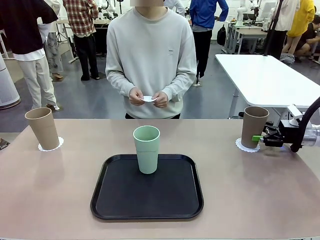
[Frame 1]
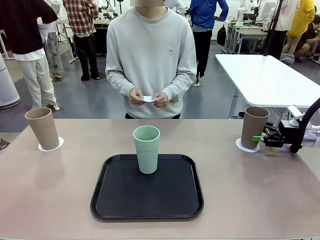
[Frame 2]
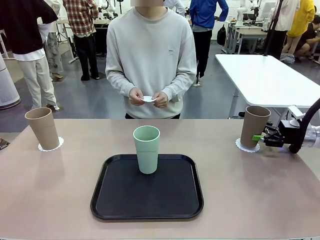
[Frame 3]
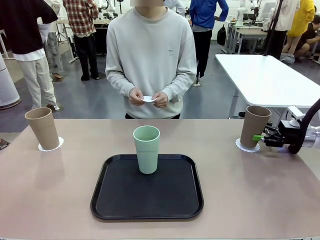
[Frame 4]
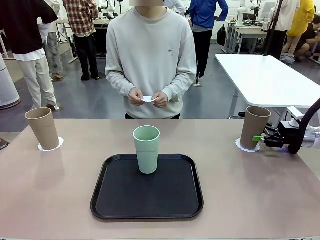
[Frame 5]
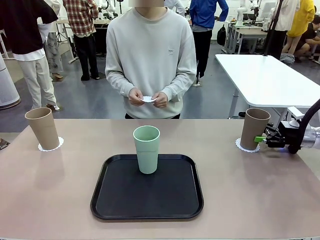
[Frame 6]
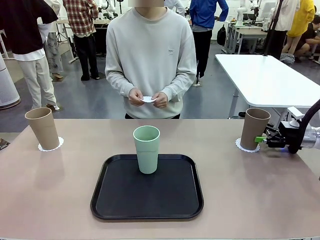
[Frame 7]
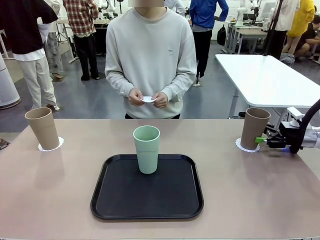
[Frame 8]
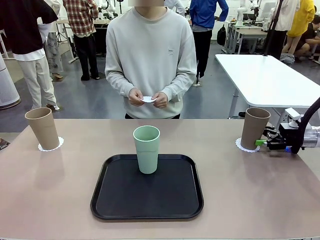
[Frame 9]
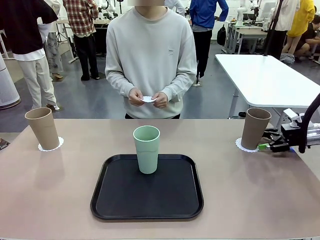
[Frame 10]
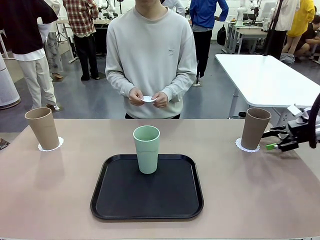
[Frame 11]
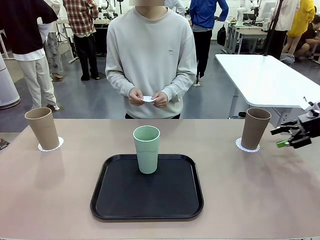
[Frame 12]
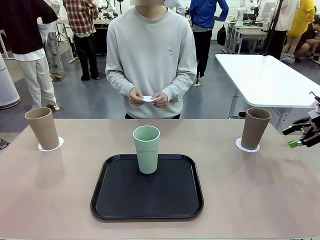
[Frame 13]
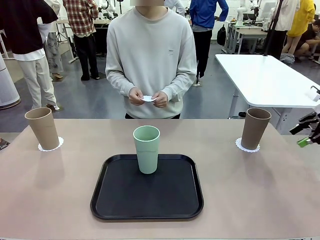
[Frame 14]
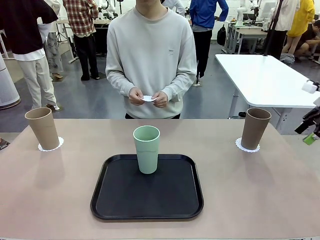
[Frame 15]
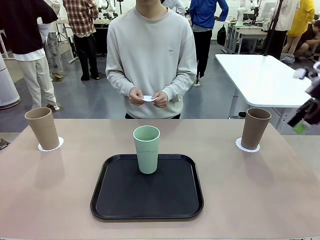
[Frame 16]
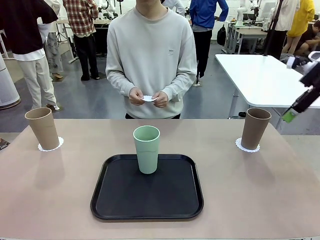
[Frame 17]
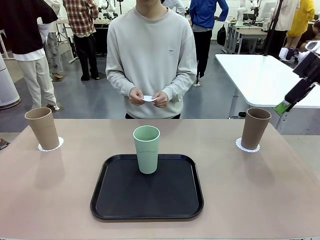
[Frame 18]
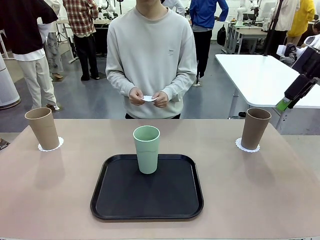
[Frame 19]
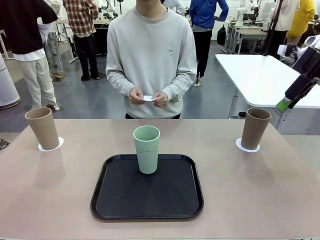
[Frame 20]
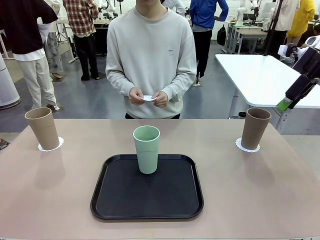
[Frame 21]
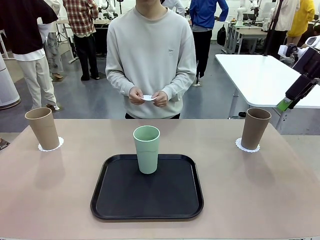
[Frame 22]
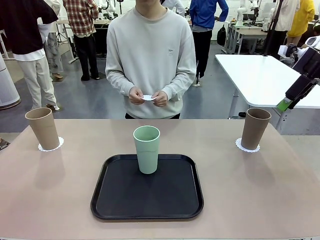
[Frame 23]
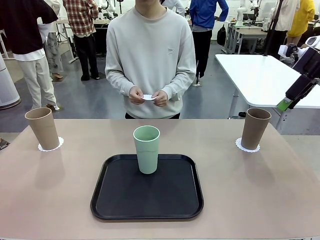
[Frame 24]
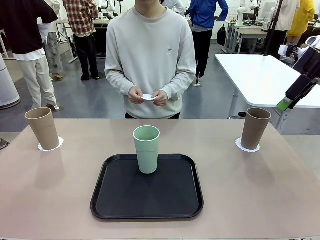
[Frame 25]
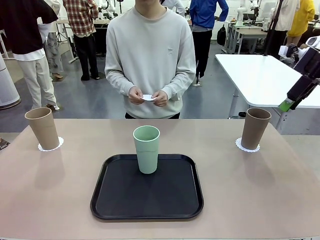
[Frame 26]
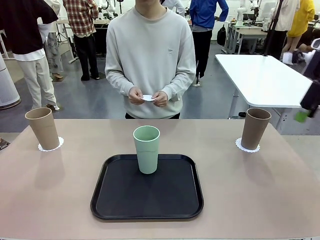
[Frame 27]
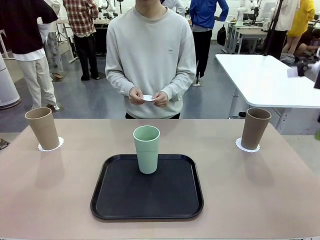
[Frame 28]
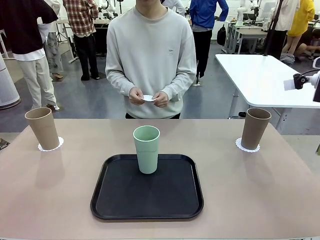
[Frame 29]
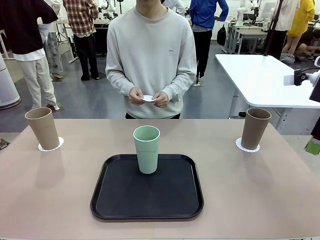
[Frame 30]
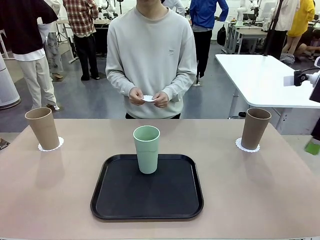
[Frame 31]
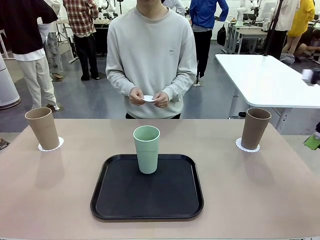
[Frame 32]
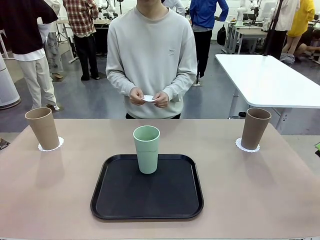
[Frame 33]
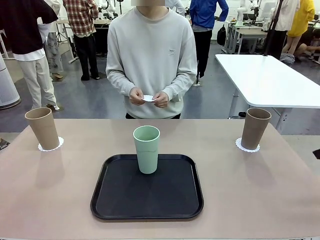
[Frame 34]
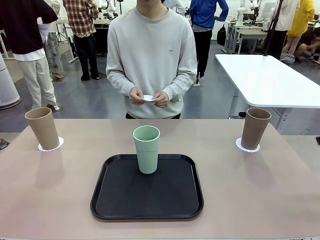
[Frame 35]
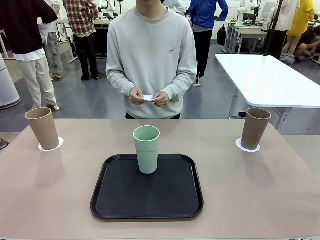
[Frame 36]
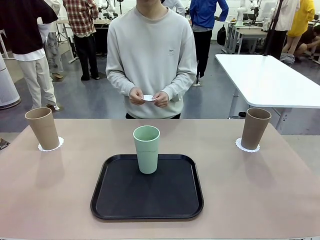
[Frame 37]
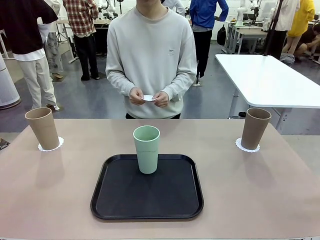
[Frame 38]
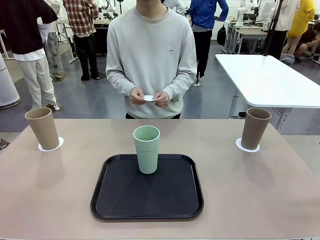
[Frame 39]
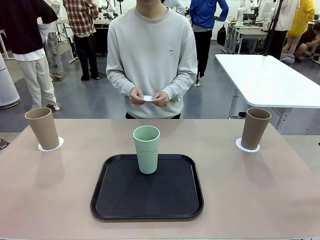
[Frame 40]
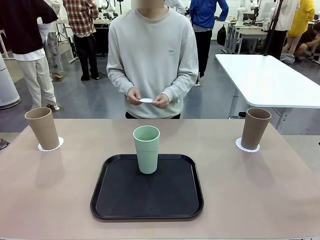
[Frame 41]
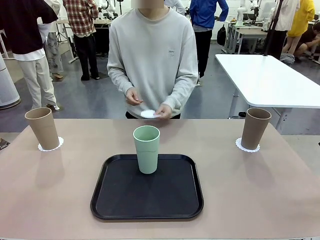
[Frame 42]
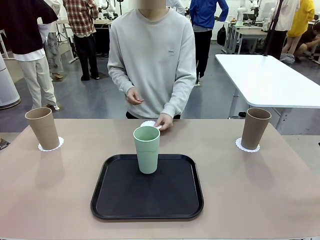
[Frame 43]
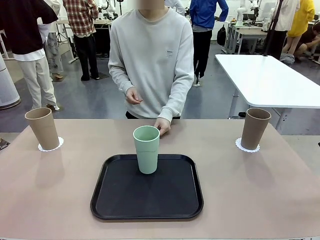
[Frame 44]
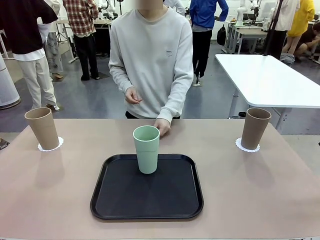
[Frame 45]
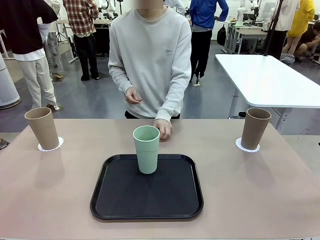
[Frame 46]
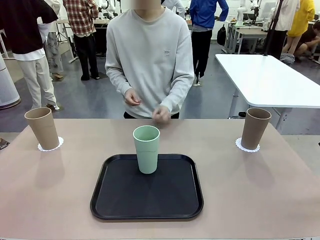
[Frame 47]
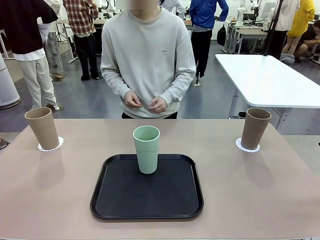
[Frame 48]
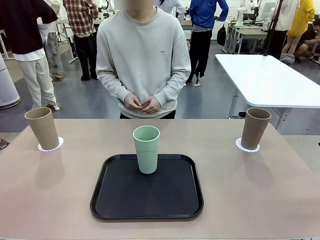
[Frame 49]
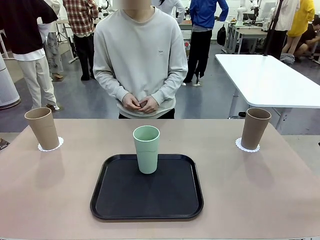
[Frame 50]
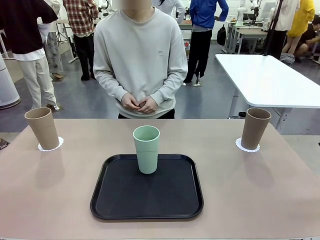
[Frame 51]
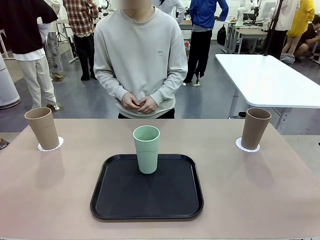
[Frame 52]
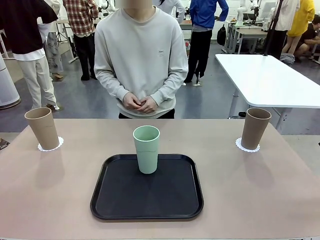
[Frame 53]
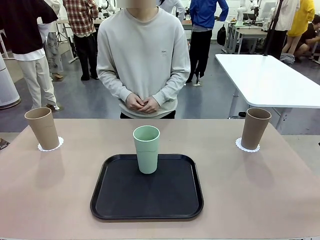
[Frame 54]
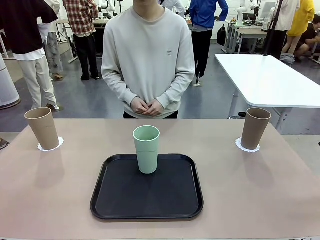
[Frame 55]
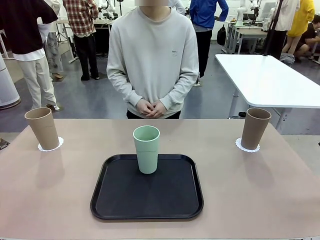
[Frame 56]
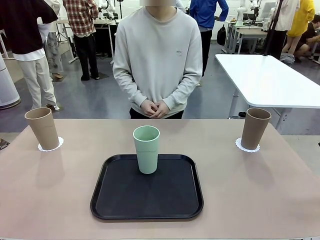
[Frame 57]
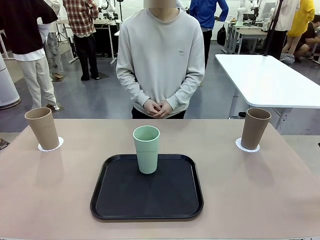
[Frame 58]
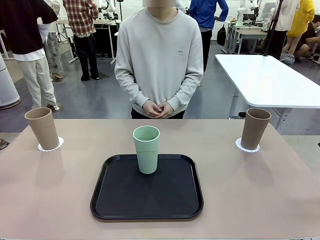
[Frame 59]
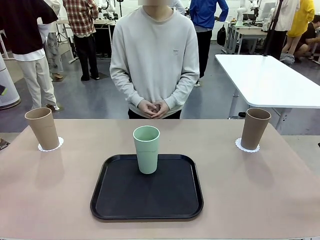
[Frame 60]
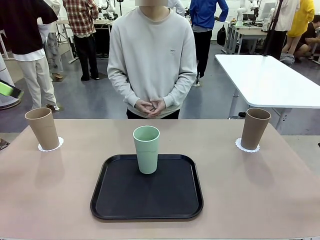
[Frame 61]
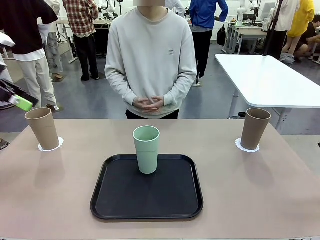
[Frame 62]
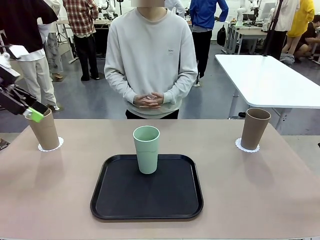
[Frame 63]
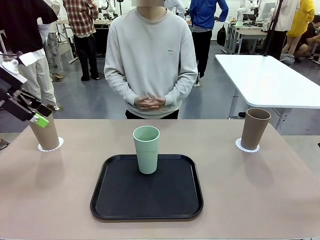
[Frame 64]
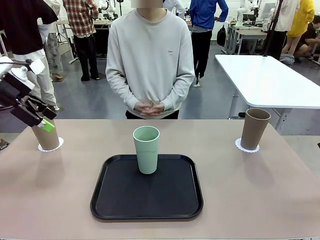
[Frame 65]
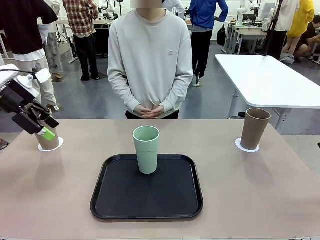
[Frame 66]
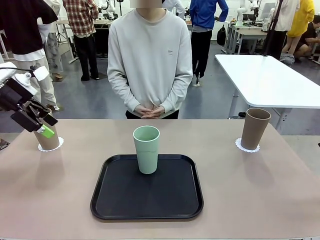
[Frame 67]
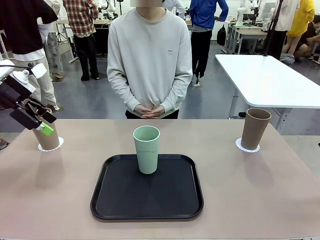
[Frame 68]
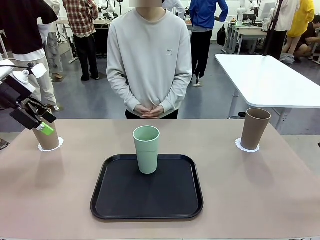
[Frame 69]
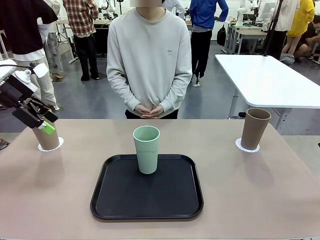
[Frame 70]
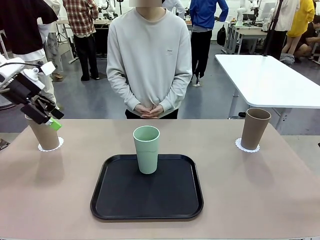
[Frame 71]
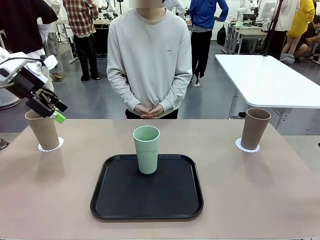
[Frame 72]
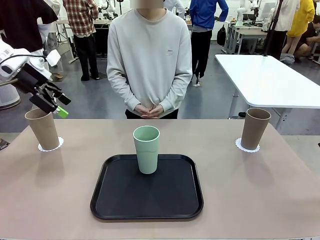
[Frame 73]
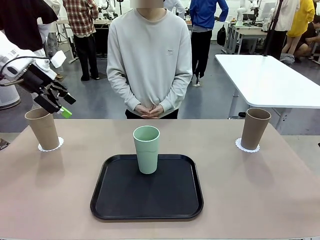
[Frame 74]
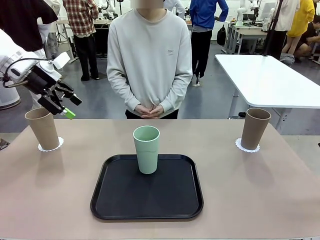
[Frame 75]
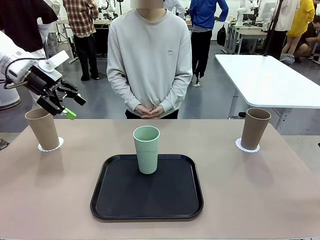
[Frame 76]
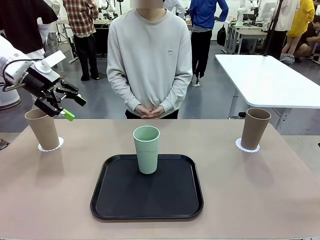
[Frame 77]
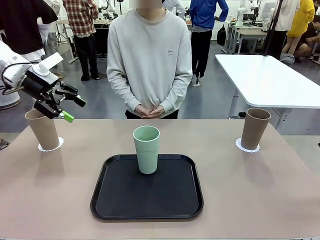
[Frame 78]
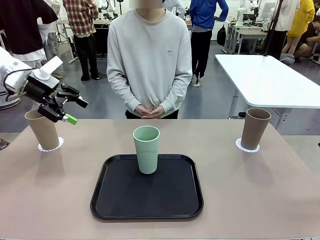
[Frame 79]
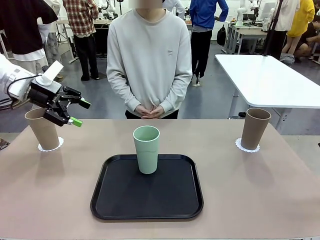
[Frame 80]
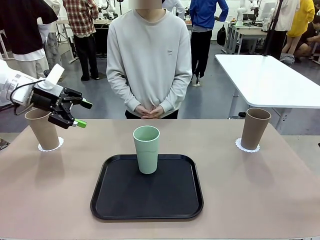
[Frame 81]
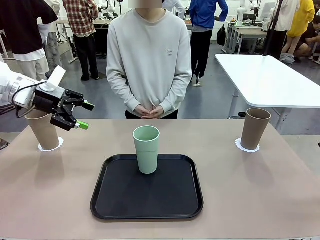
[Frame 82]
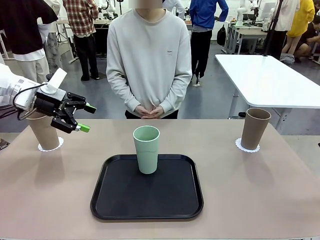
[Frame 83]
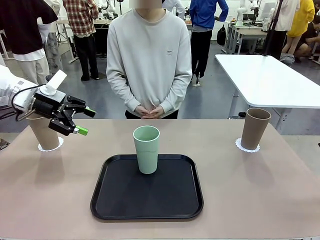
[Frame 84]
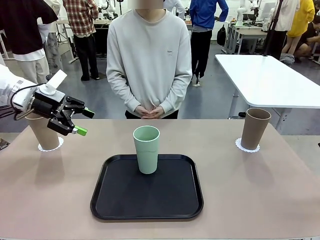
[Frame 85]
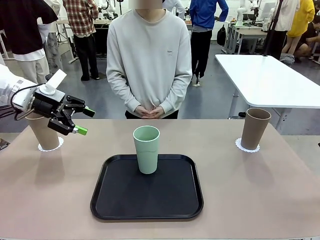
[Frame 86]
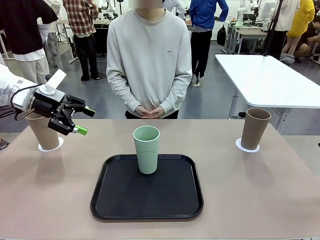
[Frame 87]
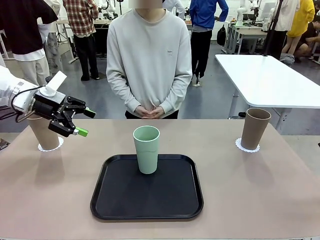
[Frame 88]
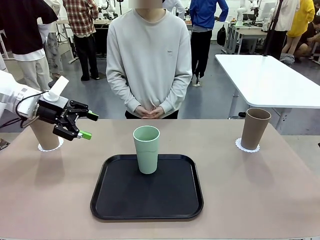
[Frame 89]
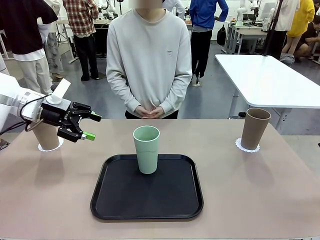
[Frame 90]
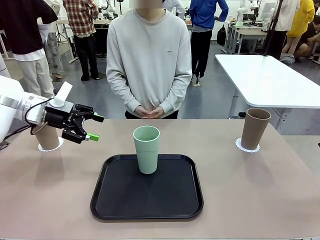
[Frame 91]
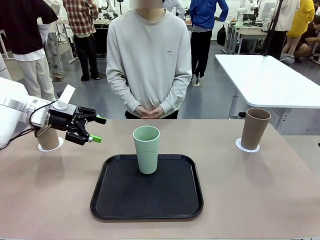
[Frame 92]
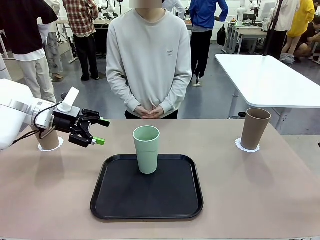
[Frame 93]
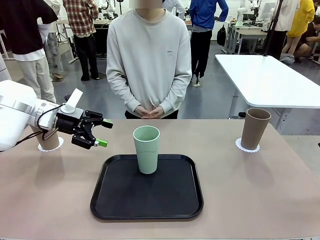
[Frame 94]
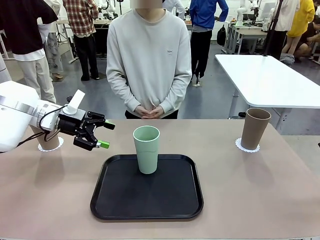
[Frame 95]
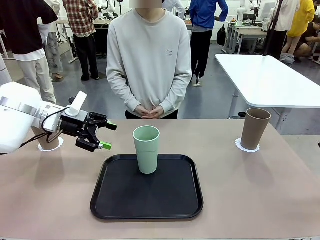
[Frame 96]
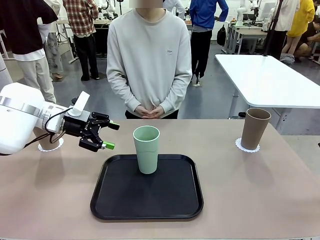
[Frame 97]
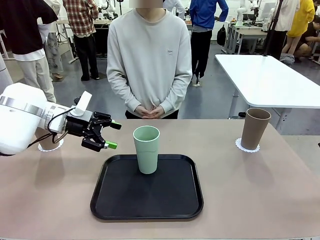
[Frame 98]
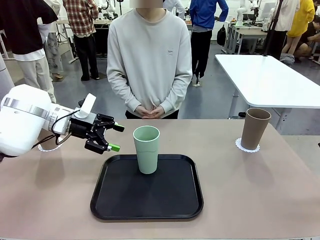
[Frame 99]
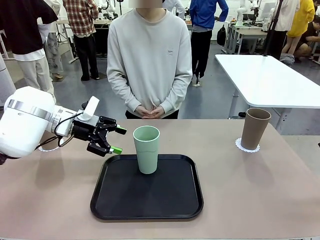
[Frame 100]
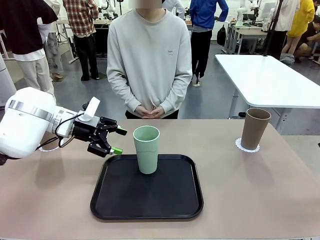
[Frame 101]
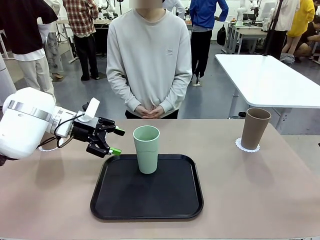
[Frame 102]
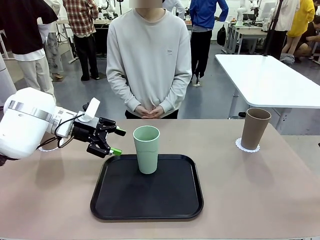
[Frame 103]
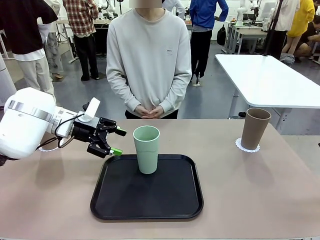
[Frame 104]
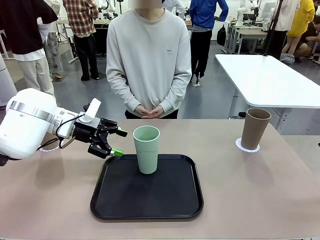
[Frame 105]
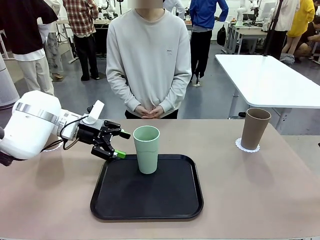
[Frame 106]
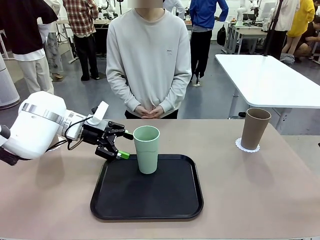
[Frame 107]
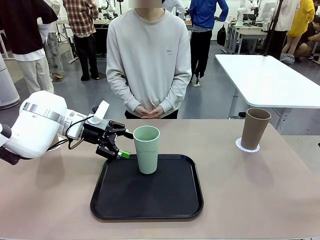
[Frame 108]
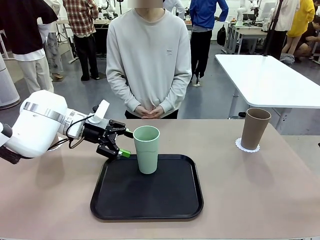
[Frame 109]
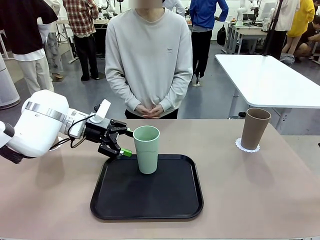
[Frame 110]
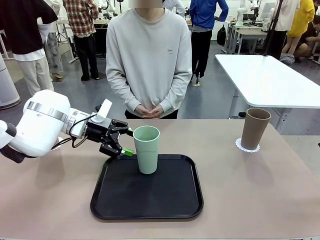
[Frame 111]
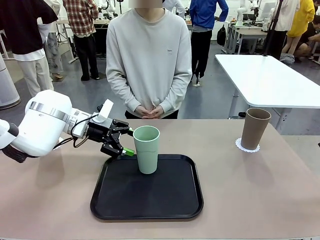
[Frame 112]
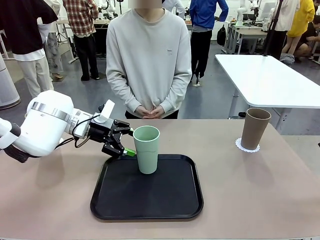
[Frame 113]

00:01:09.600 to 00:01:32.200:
Task: Place coasters on the table and set cups on them.
Robot: Take one Reusable plastic cup from the Flat Tray and place it on a coaster set by the human.
